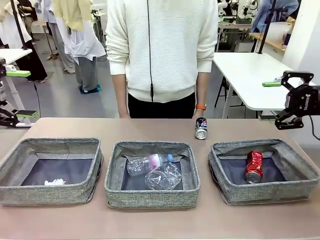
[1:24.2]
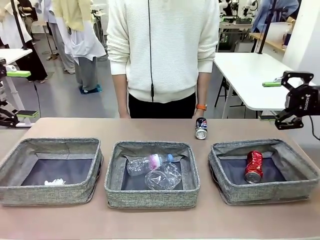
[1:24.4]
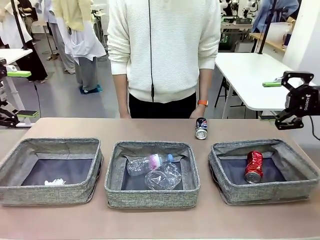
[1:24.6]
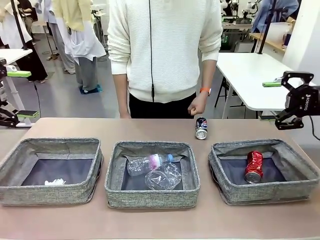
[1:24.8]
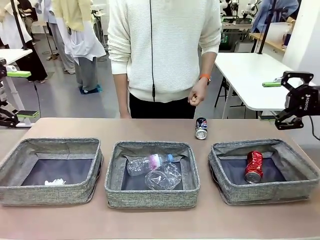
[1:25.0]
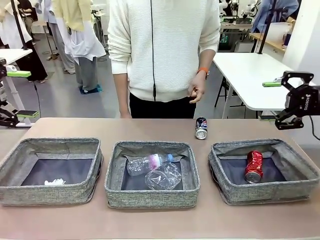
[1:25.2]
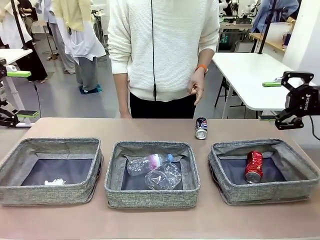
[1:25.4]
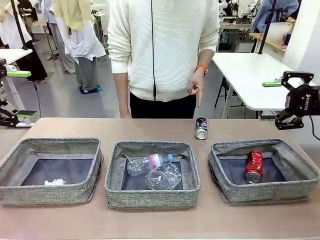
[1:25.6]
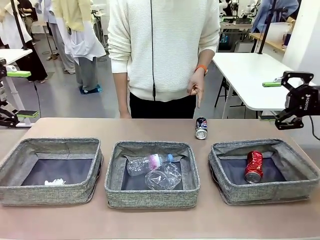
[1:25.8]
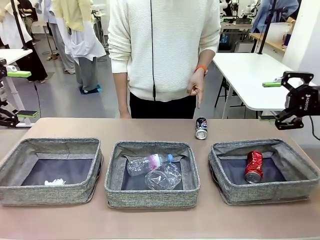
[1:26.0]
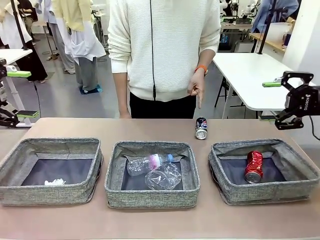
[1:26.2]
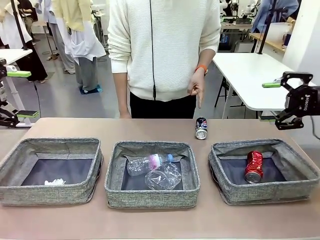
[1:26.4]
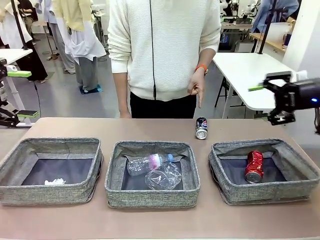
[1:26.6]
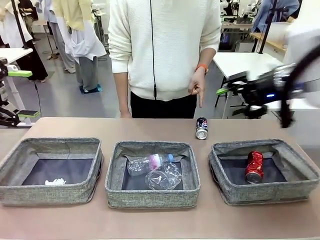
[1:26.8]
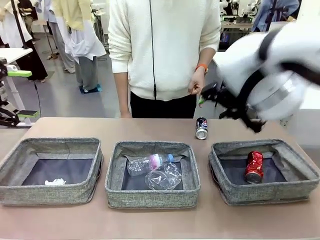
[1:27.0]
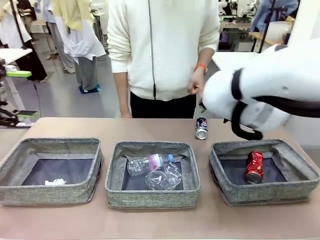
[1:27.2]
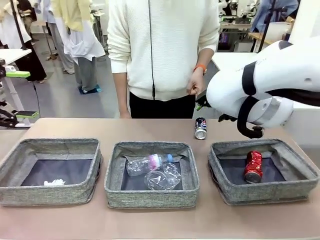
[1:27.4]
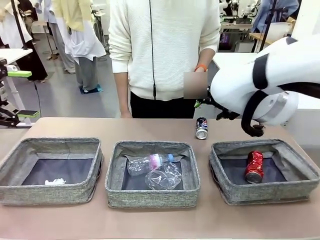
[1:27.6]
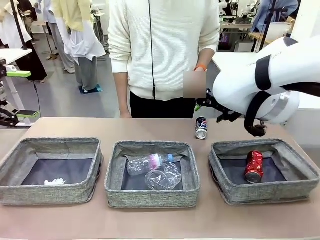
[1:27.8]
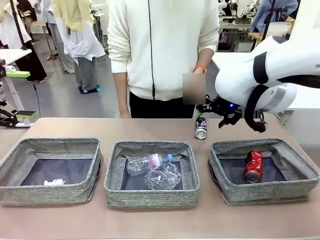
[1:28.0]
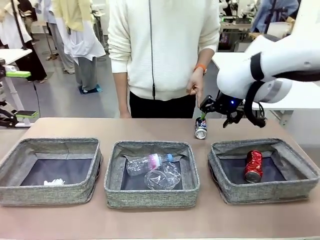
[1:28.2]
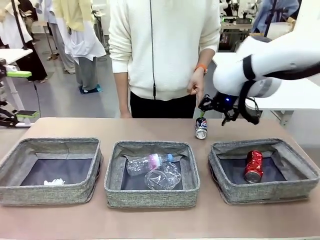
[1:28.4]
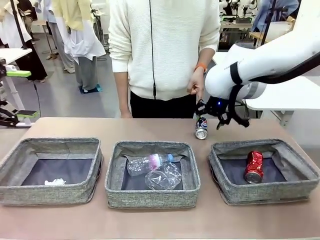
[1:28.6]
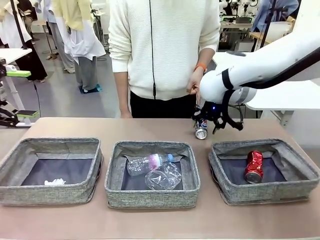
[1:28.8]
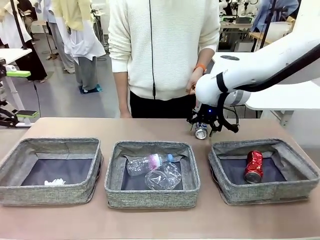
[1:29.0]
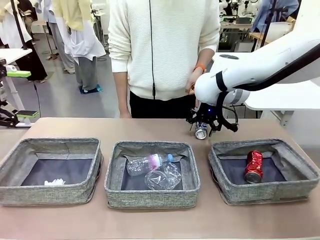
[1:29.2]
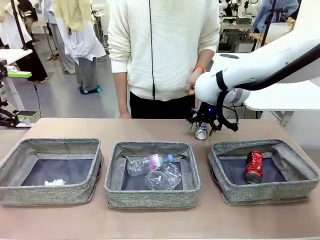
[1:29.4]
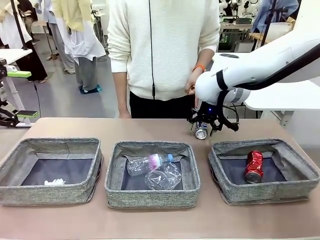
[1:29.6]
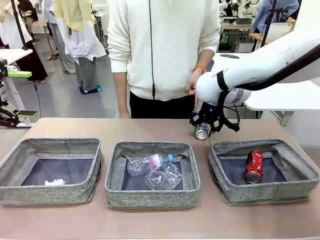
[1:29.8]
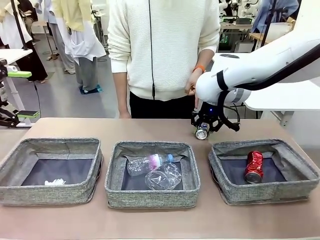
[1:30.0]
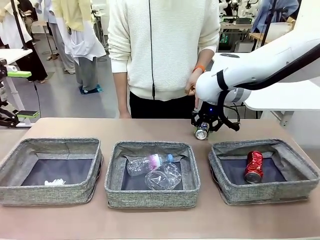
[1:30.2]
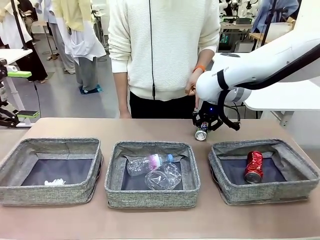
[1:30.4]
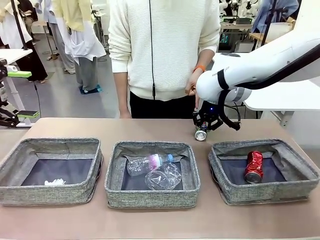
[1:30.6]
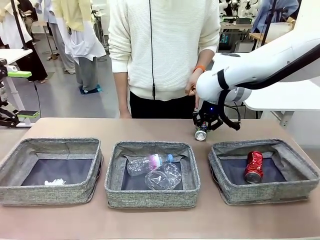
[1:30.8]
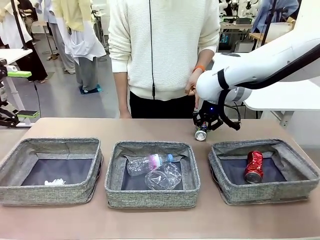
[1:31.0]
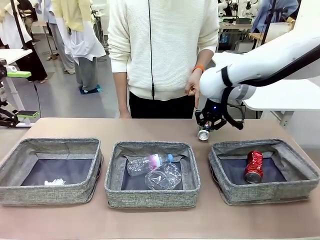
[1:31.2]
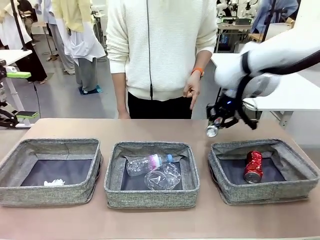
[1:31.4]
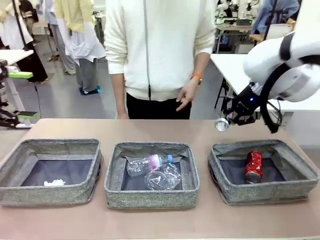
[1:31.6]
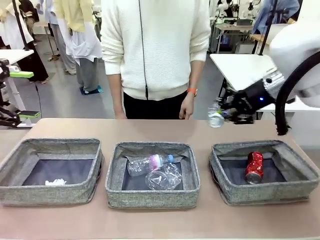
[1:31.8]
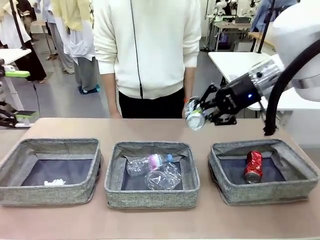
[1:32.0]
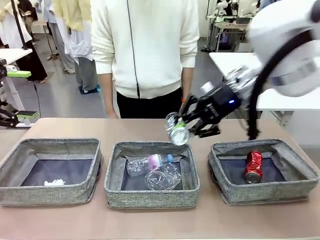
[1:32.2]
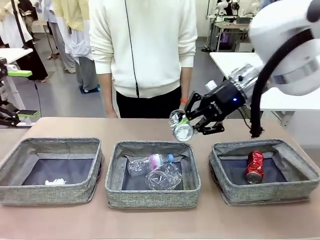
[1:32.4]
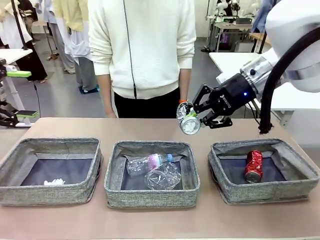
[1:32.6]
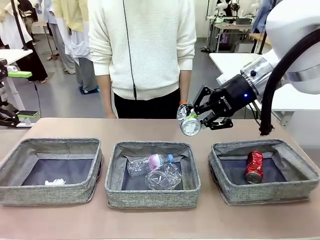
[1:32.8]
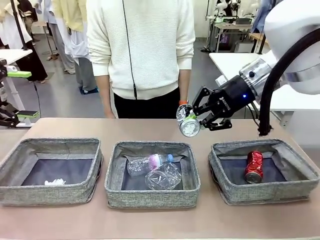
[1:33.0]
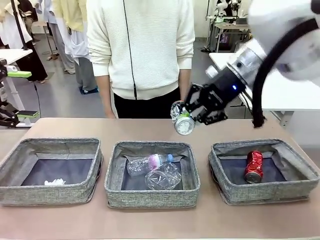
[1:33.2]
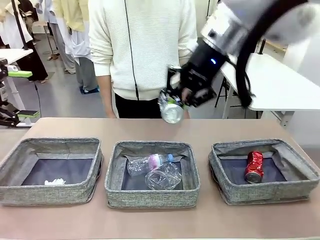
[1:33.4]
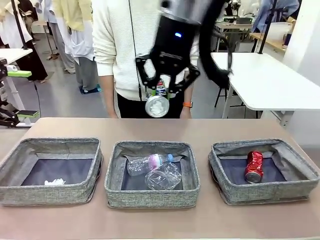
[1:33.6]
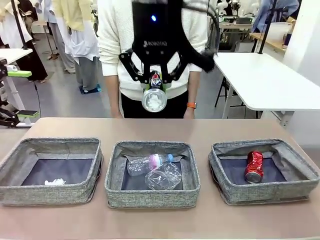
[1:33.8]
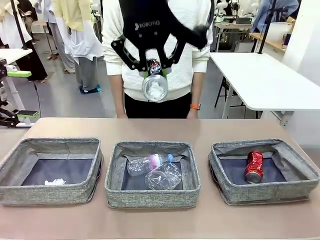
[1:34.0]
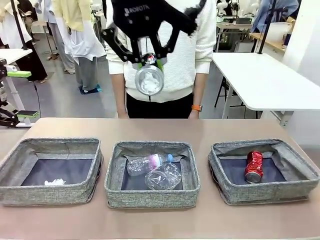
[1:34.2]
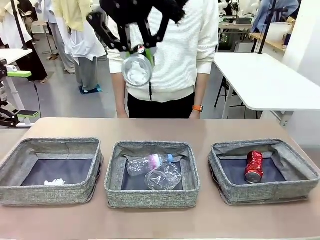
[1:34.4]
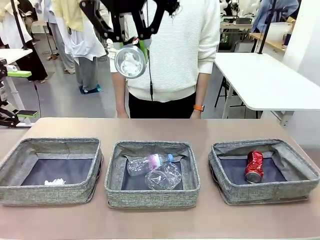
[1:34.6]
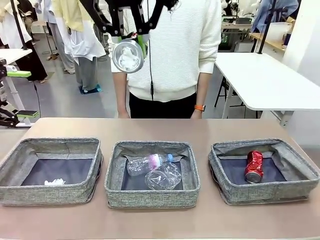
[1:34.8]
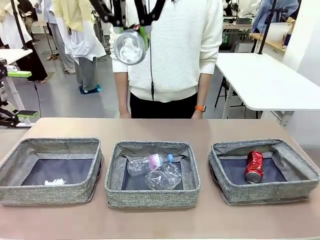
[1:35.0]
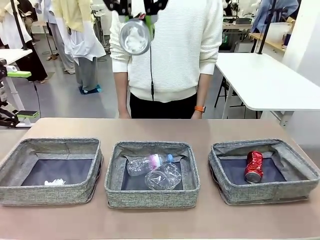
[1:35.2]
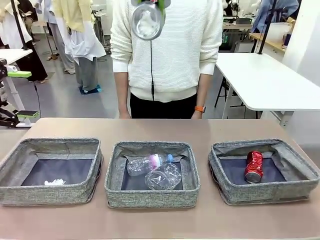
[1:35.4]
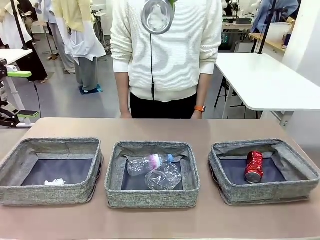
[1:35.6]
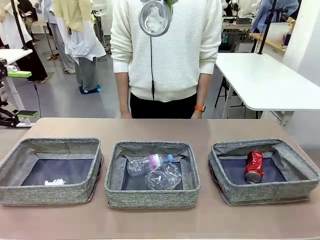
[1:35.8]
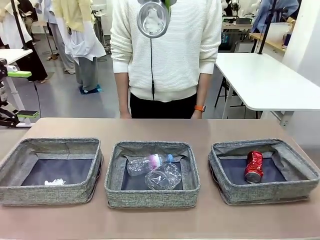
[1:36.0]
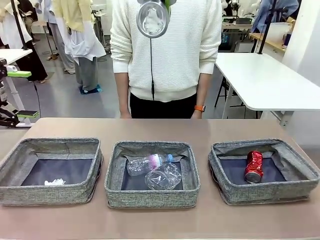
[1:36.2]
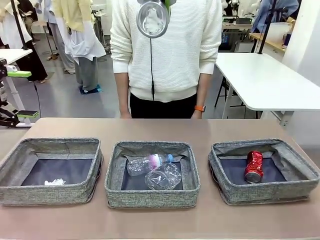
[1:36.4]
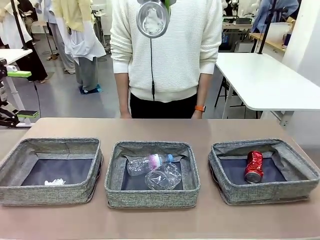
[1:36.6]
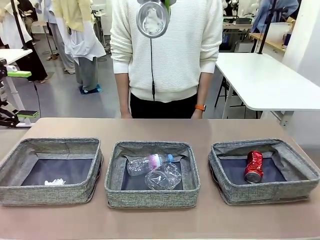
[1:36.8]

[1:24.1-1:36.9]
Task: Sort the waste into the appropriate baskets.
Robot: Pick up the waste item pointed out by the person.
Person: Points to one piece of trash on the table.

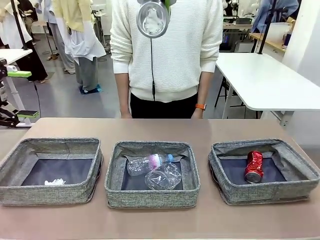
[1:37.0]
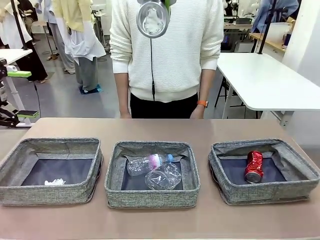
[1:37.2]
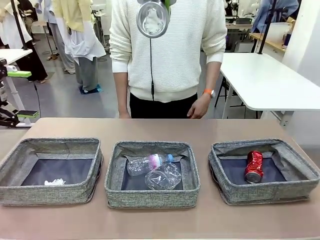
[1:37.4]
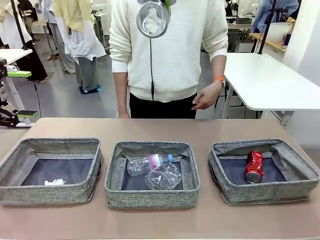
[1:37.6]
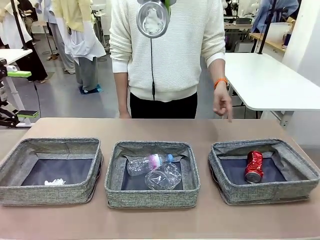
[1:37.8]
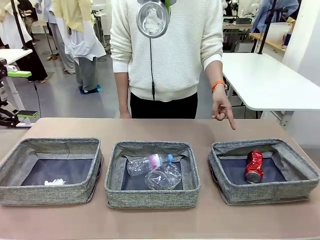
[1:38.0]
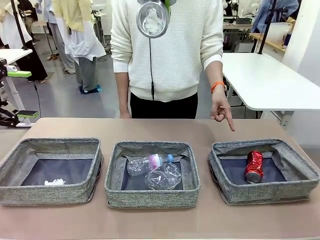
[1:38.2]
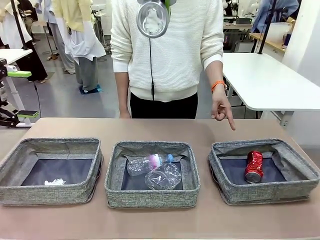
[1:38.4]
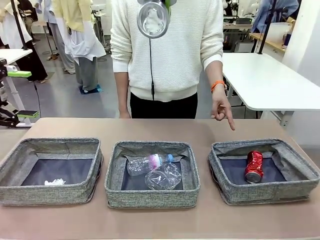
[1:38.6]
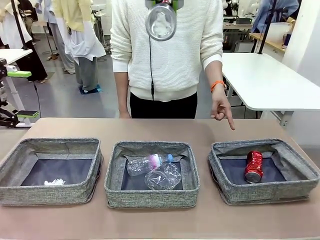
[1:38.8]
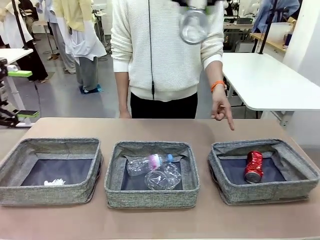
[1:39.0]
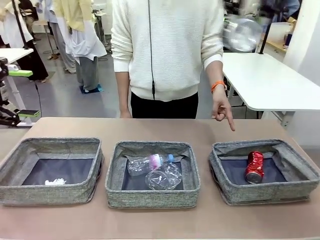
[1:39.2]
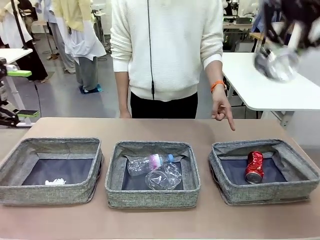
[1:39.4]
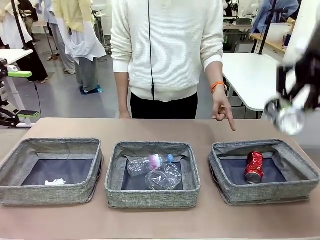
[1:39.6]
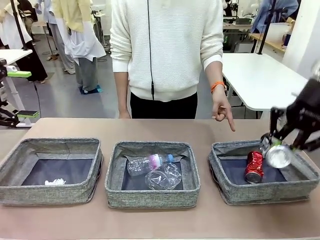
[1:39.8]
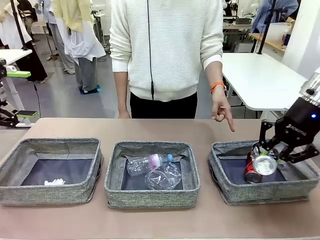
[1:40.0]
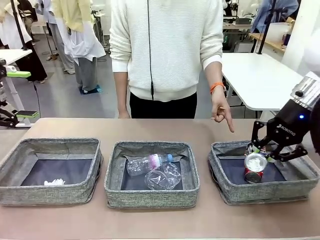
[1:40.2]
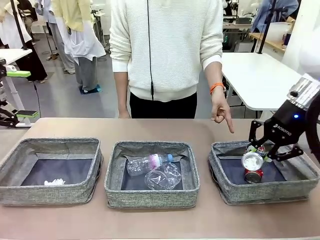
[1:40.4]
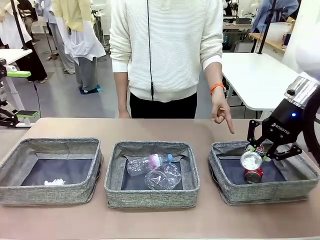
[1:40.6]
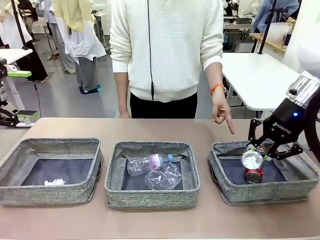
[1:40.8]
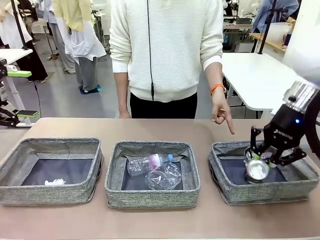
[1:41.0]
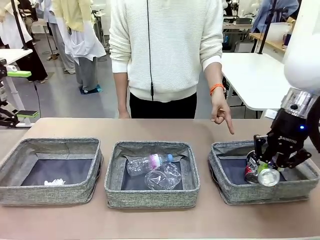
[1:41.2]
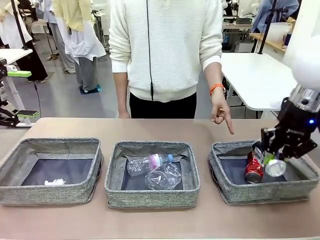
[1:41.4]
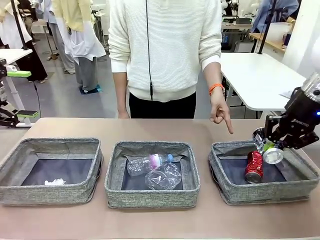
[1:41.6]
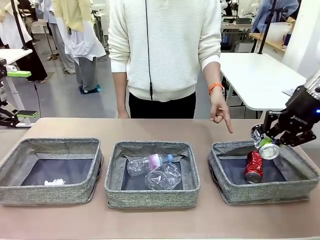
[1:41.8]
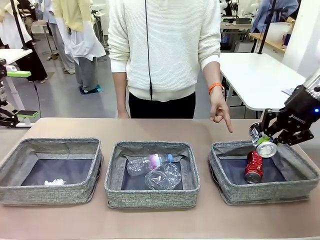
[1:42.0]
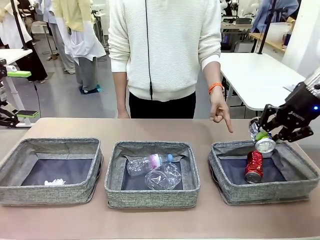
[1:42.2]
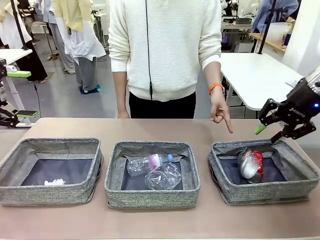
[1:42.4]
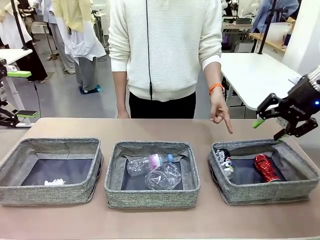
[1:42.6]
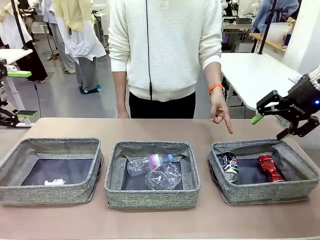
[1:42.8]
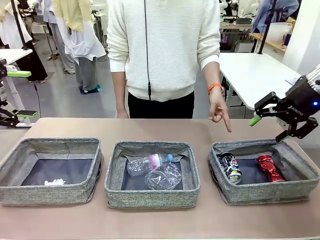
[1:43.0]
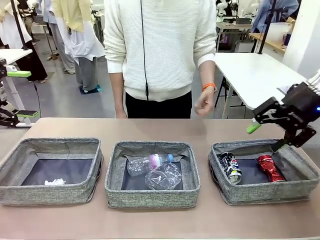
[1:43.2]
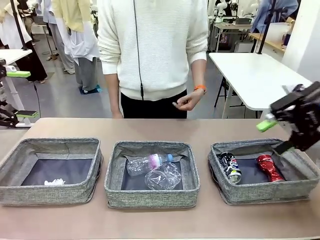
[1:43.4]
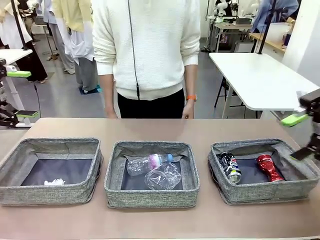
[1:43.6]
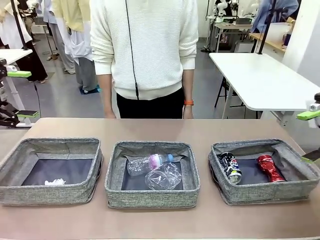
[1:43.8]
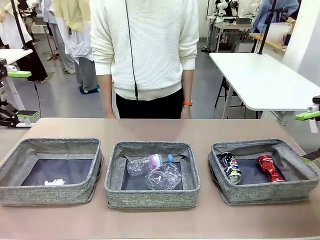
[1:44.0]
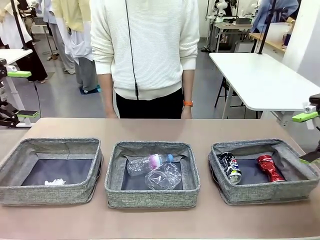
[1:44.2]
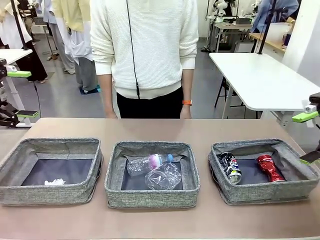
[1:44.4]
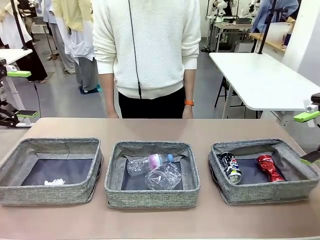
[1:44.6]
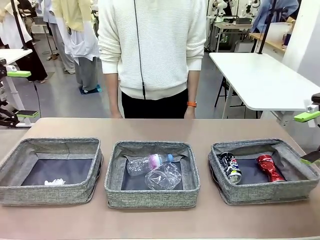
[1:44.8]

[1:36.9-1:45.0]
Robot: Place the picked waste into the Fabric basket indicated by the person.
Person: Instructs the robot to place the picked-up trash into the appropriate organizing basket.
